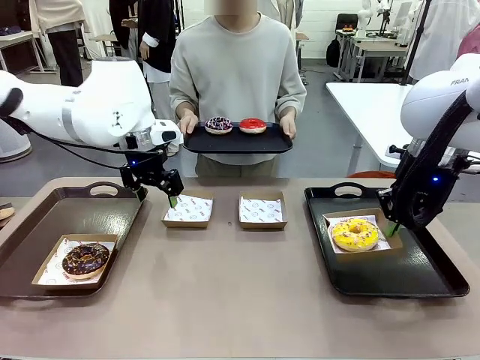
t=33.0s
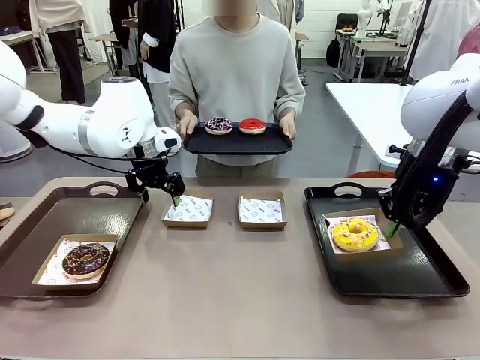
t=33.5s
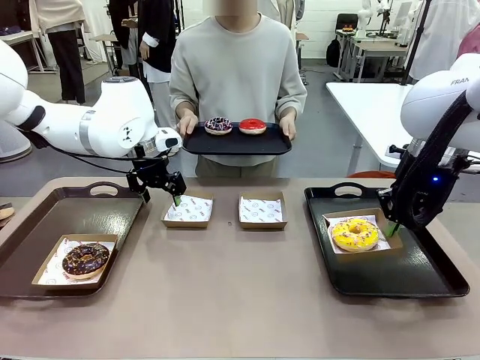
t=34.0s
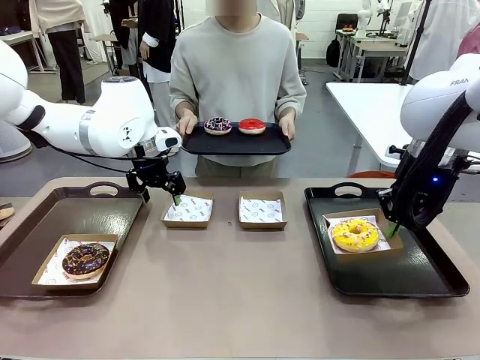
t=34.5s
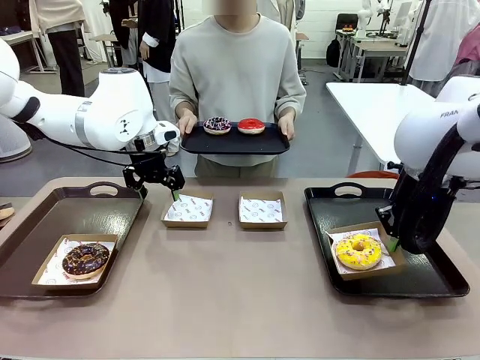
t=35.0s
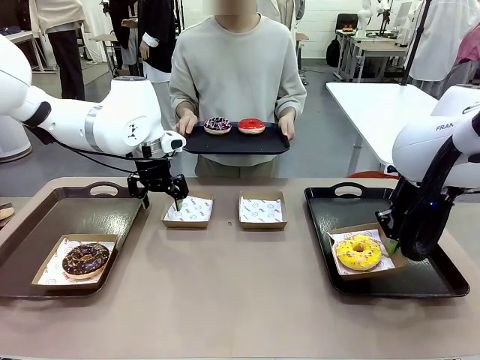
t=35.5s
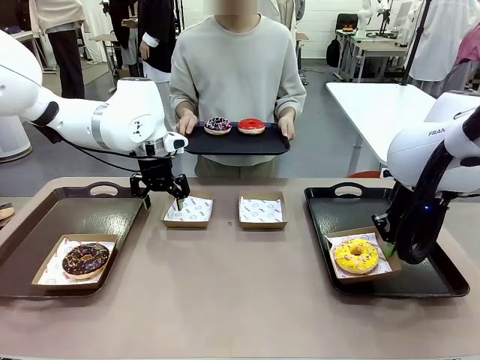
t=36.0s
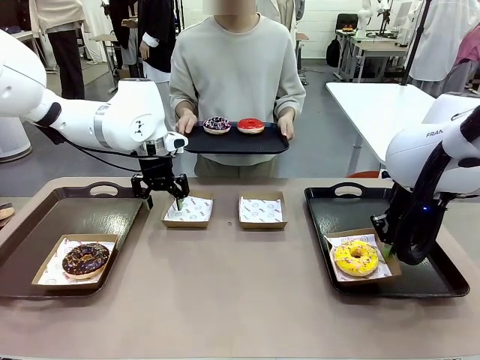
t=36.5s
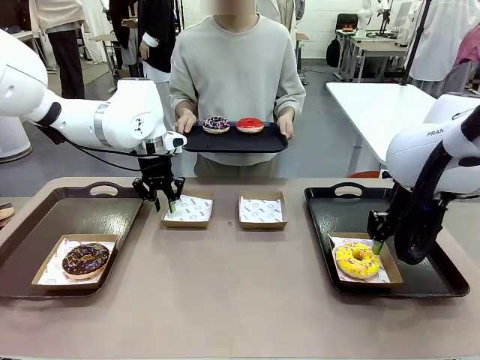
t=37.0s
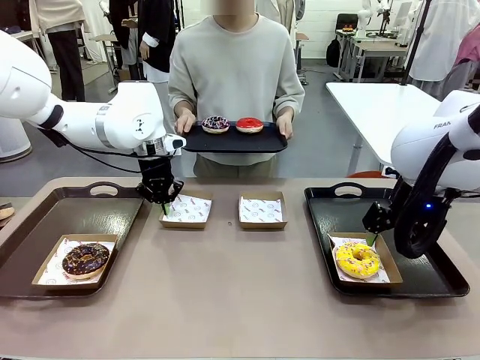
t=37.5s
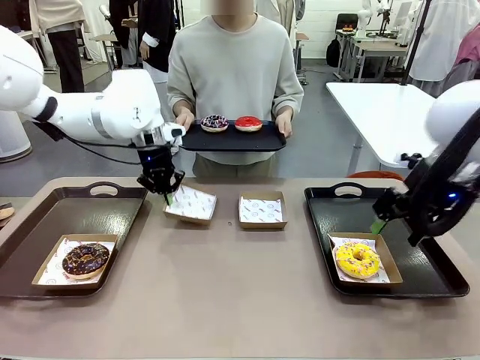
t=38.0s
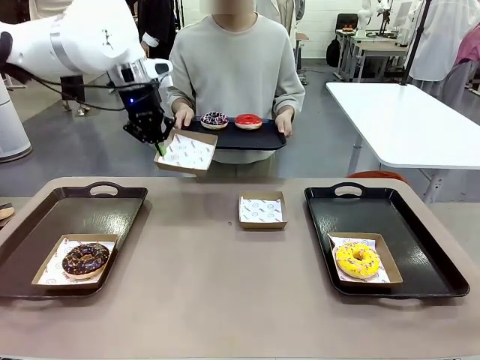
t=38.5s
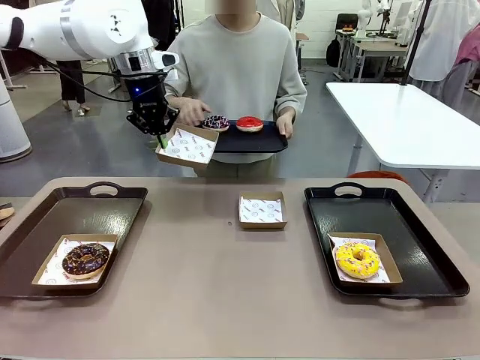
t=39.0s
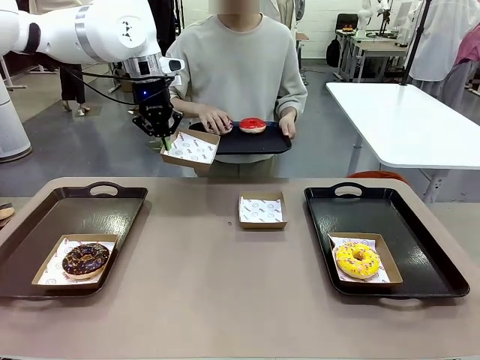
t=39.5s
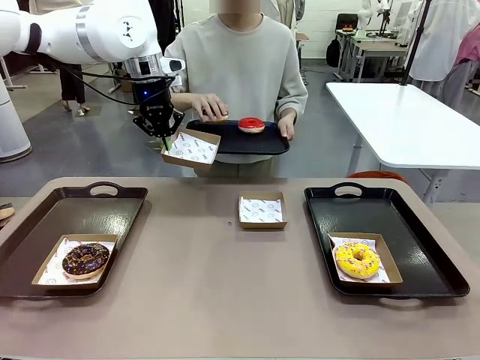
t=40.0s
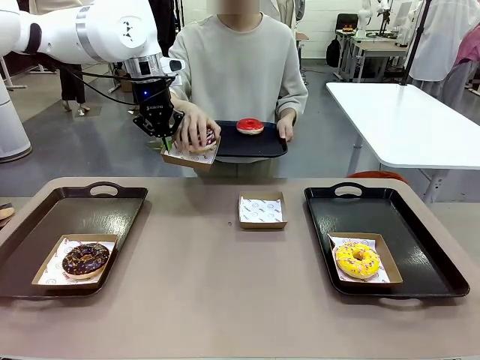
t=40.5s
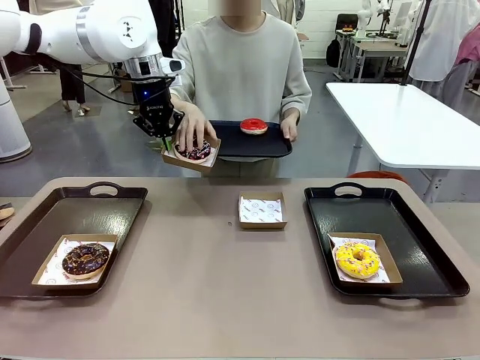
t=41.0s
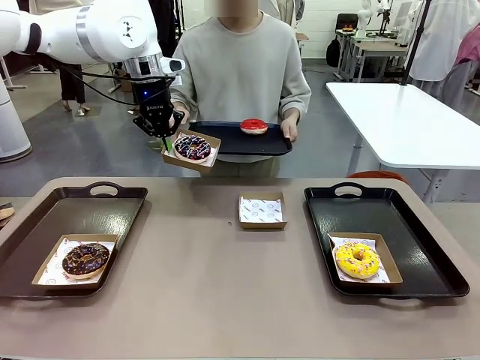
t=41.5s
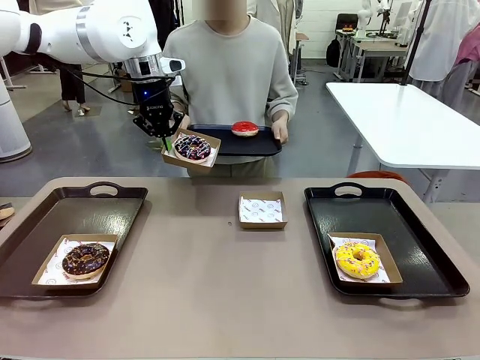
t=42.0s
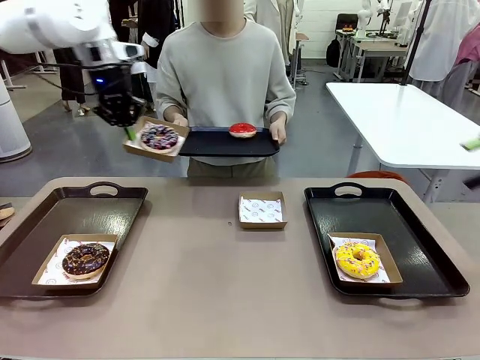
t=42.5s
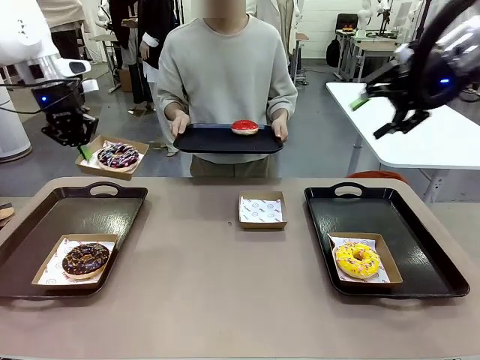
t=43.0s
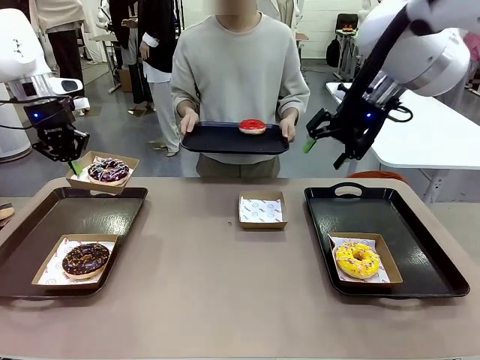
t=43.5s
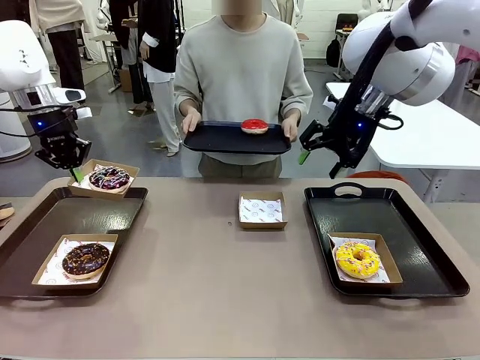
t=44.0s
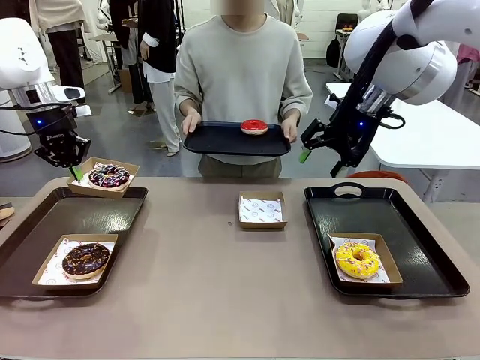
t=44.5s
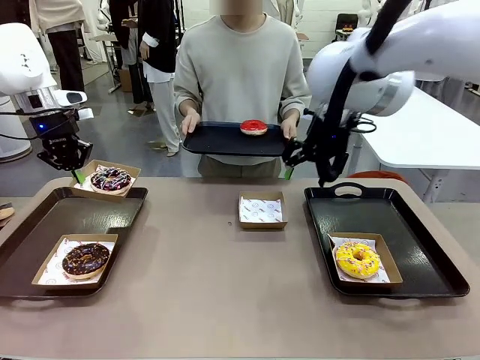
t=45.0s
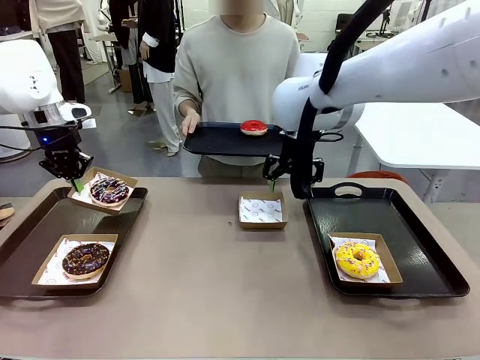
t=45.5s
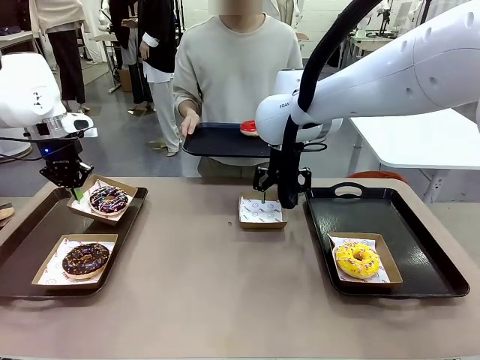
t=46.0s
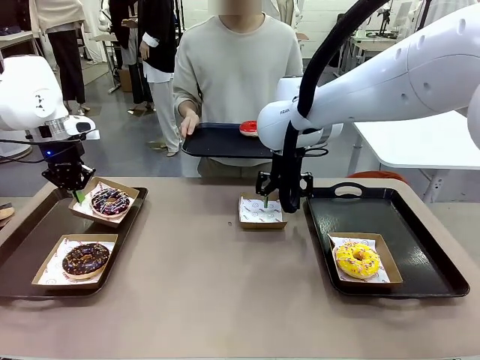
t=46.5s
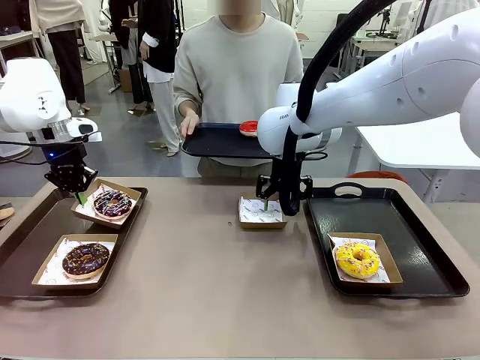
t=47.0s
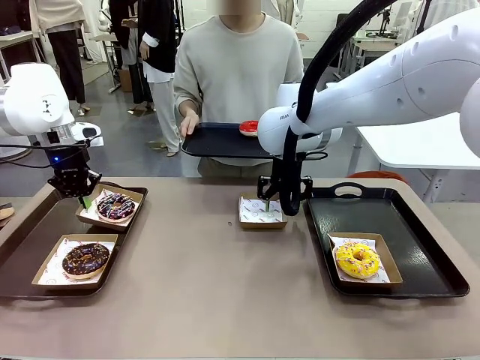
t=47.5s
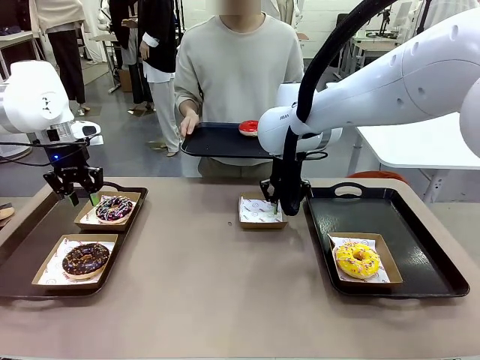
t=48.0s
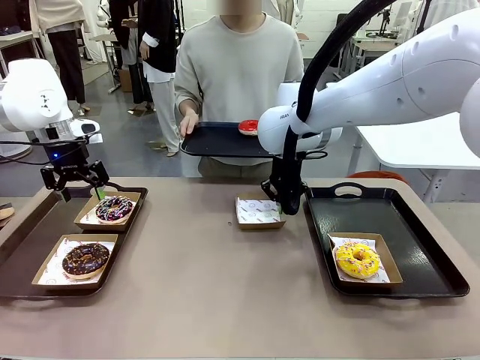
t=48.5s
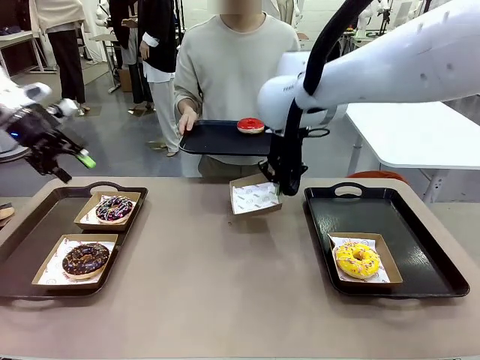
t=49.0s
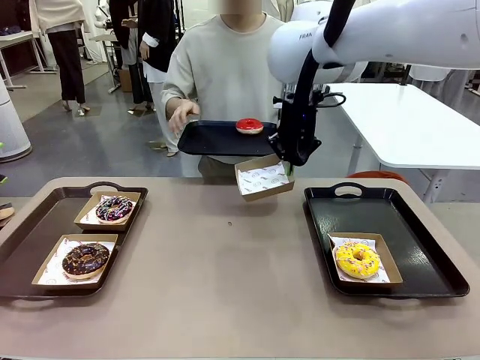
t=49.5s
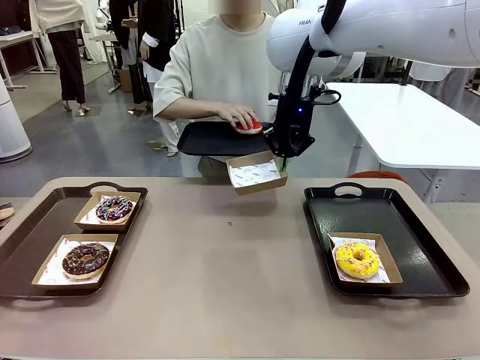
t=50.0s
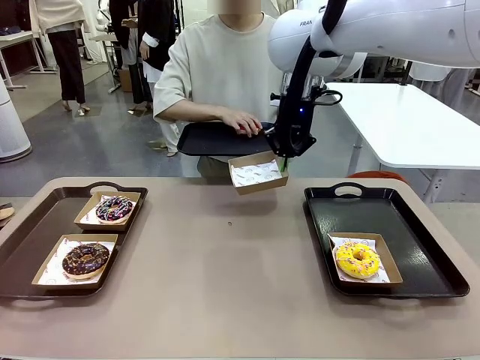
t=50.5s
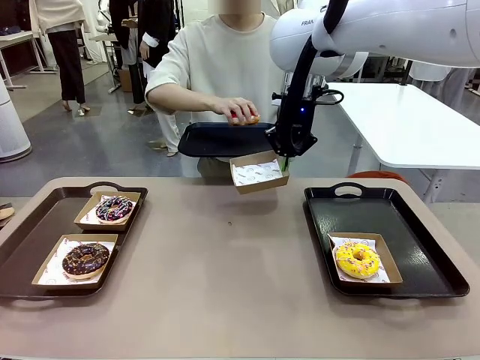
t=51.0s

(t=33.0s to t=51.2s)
Task: Individually package the donuts and arrange them on the tray.
Robot: Place the picked Paper togo box on the Handle tray while simultaneously picking up another Paper togo box from the table with the other hand.

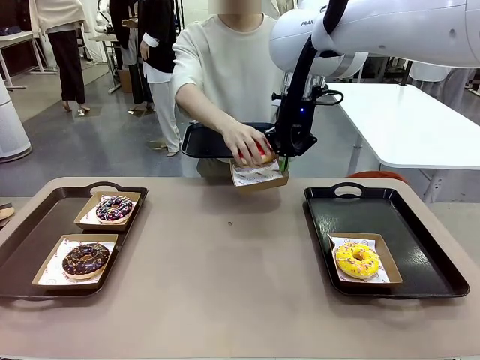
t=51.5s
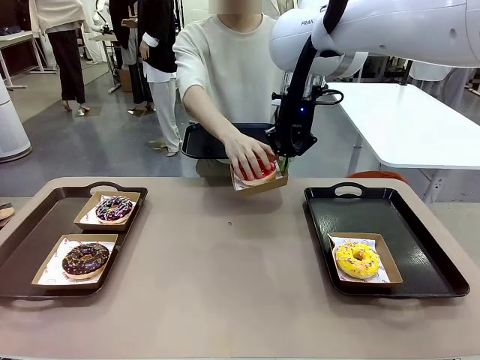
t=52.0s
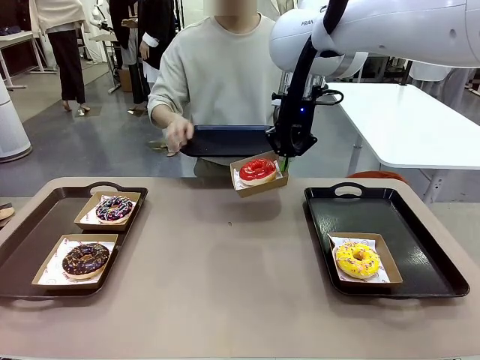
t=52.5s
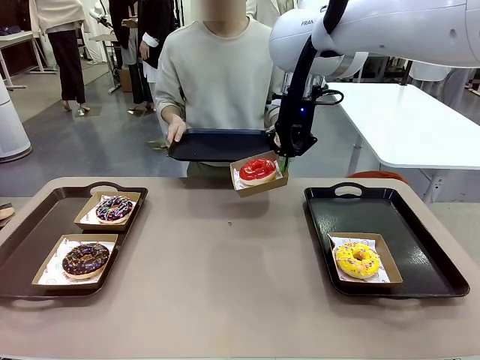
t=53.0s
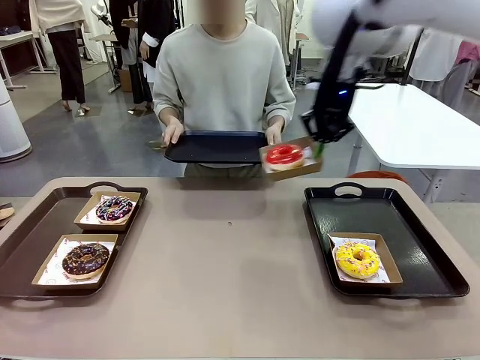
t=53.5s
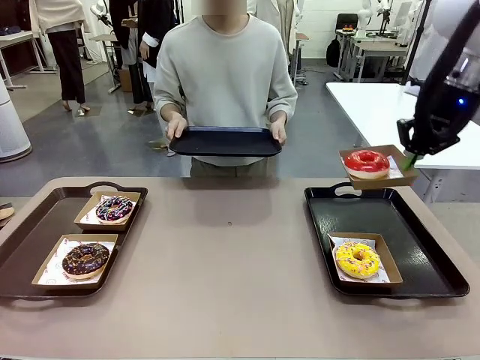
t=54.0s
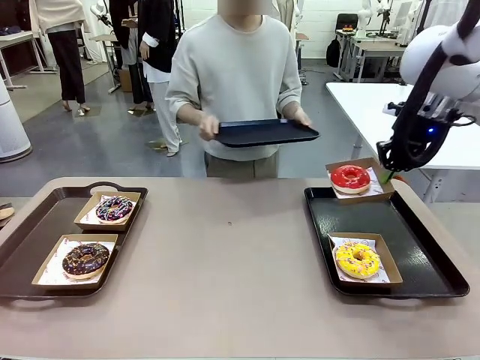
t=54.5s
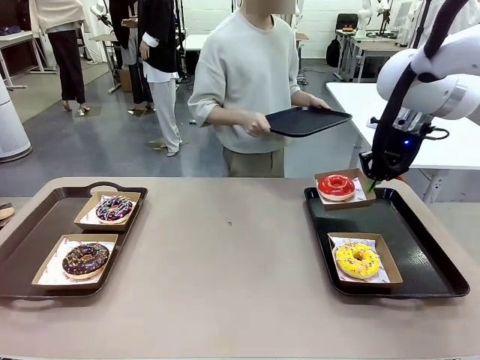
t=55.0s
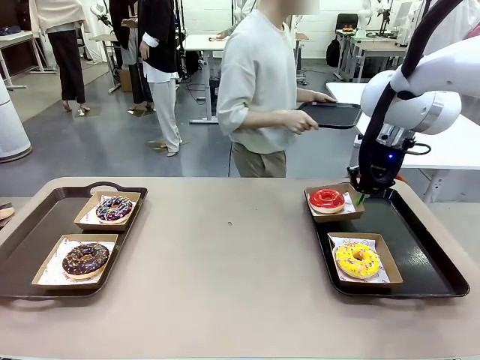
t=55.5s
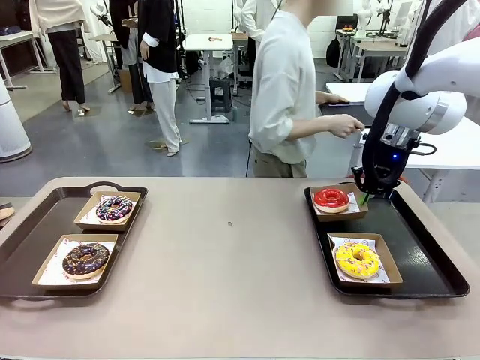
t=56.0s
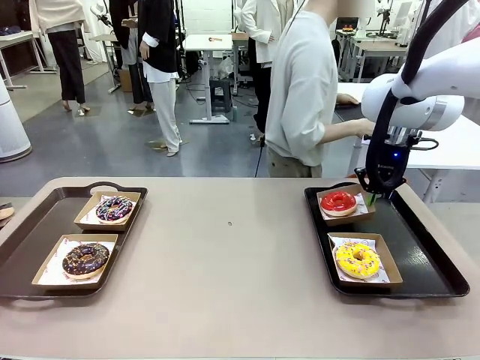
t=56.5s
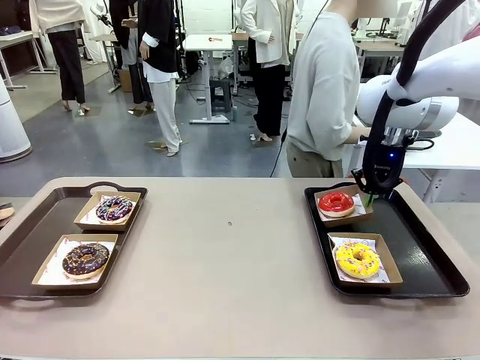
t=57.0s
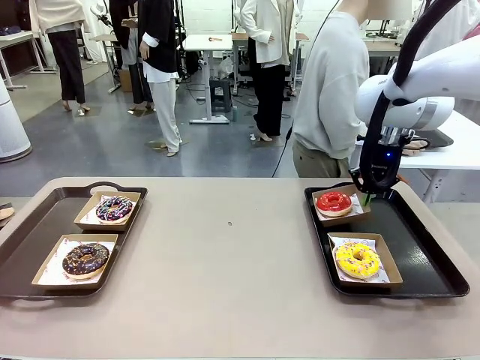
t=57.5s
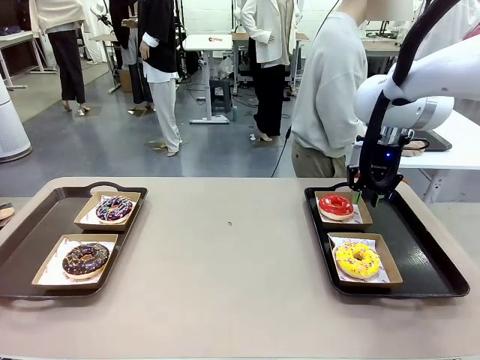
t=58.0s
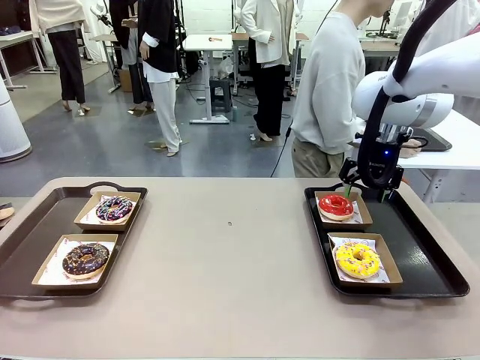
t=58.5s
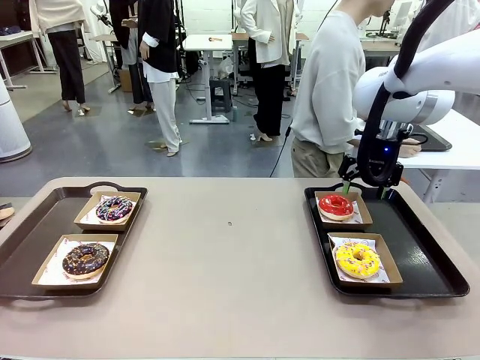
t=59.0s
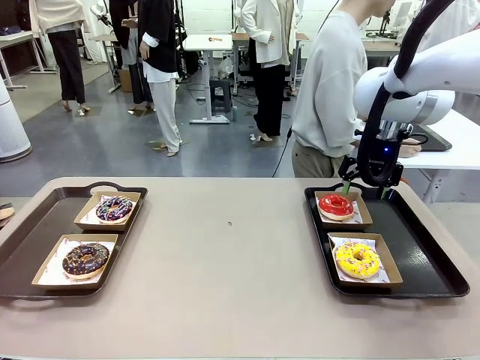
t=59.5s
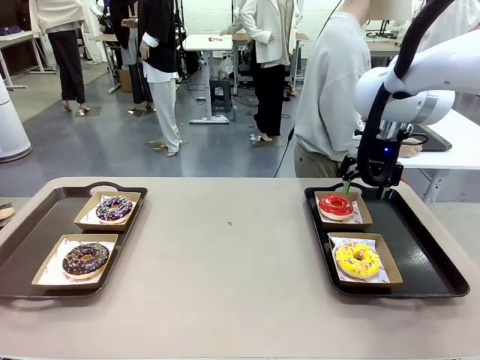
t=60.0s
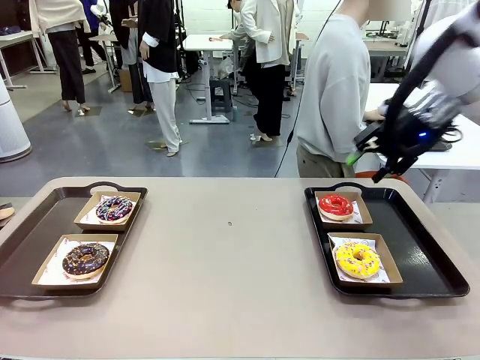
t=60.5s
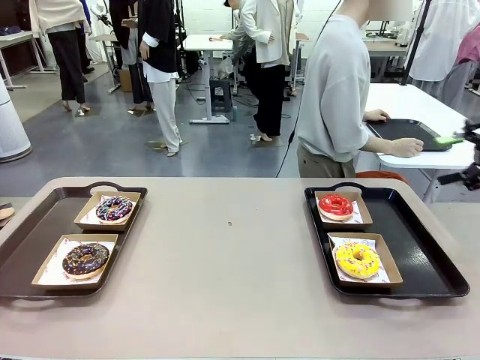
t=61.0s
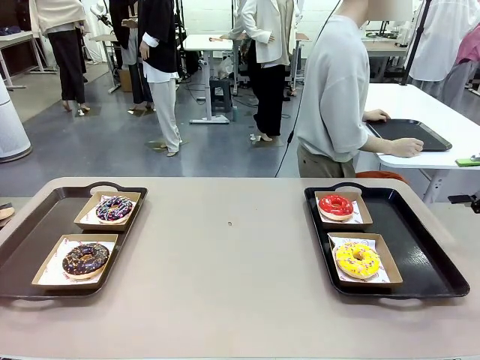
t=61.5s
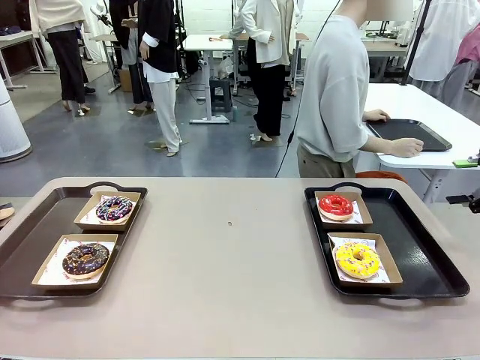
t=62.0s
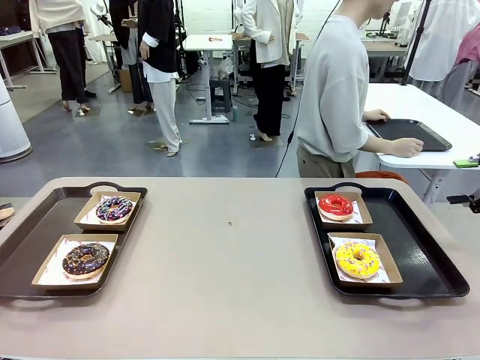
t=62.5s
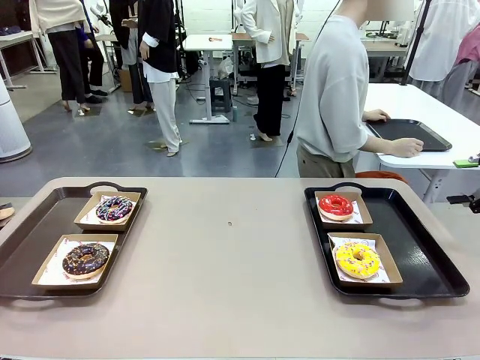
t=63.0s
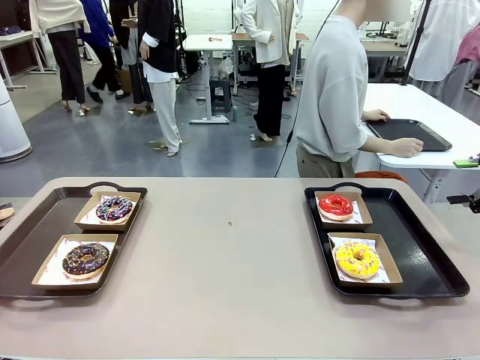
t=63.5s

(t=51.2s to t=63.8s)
Robot: Place the picked Paper togo box on the Handle tray.
Person: Place the tray down in the middle of the human table.
